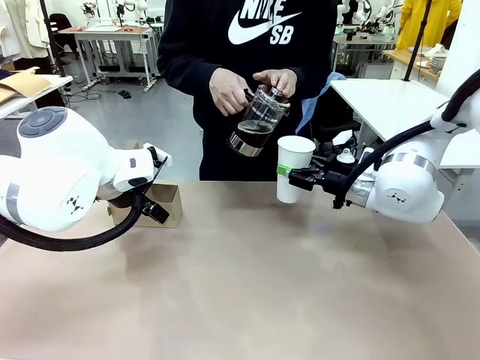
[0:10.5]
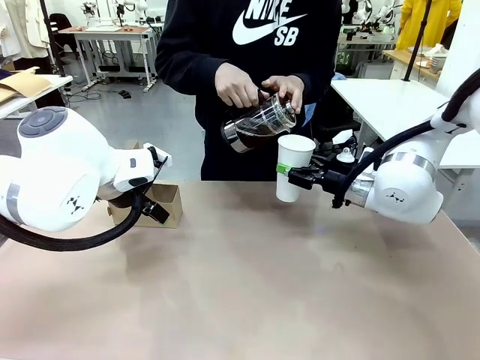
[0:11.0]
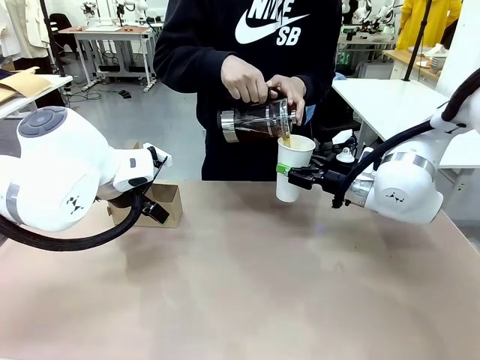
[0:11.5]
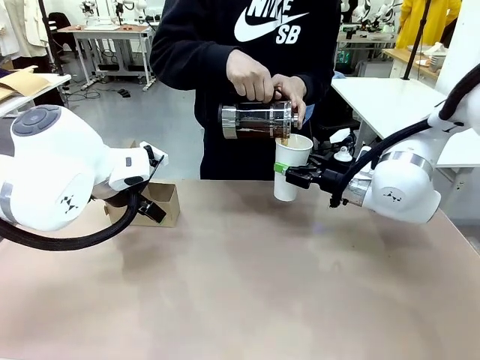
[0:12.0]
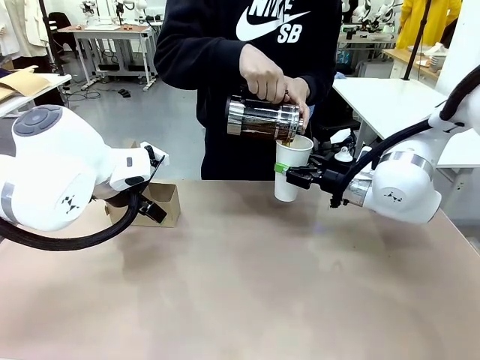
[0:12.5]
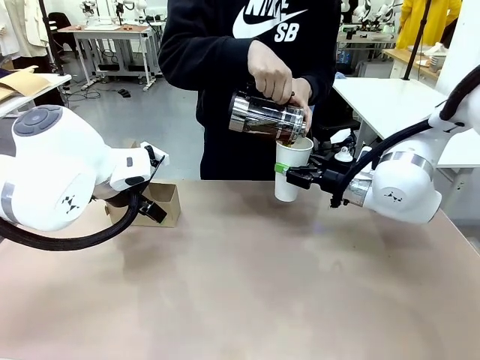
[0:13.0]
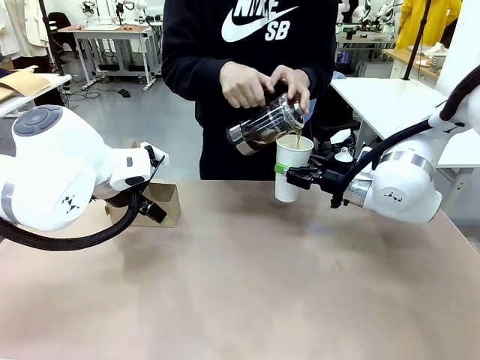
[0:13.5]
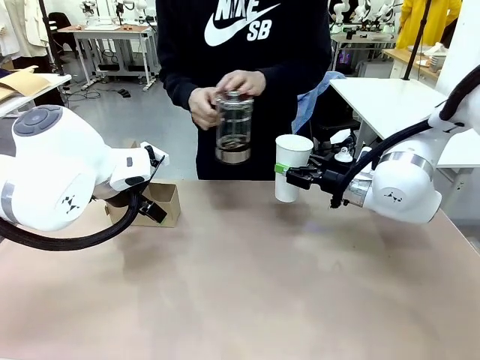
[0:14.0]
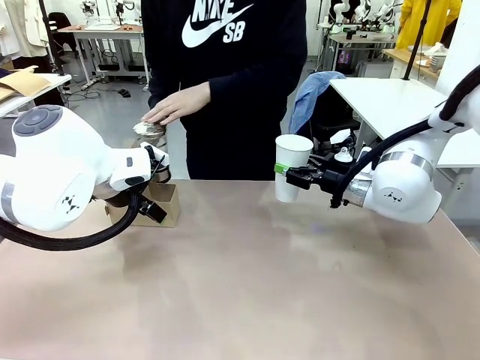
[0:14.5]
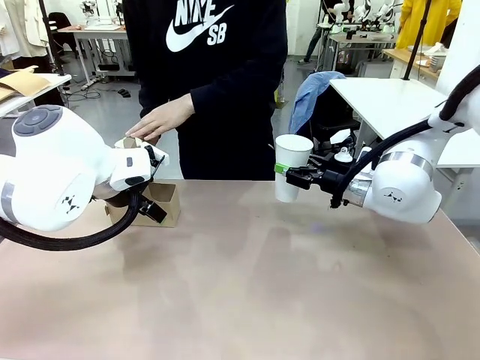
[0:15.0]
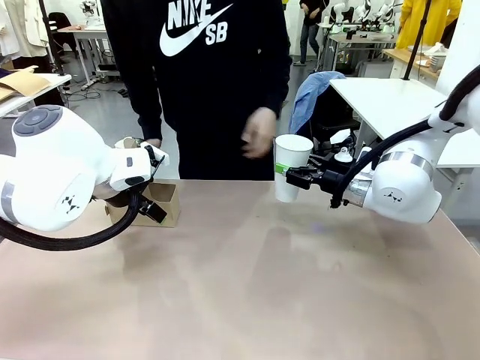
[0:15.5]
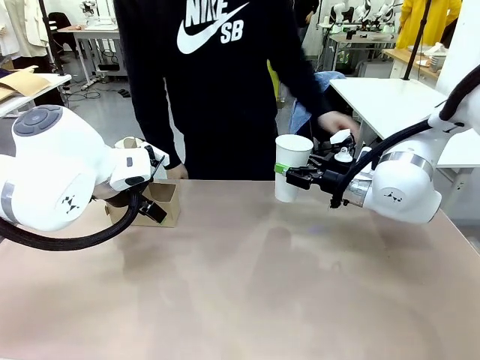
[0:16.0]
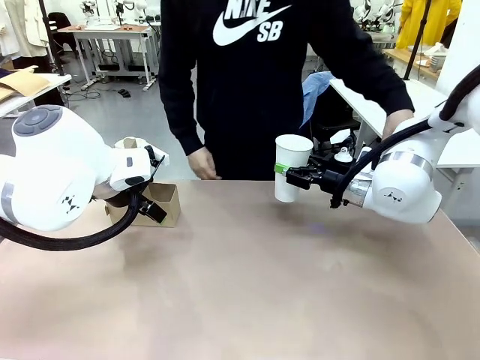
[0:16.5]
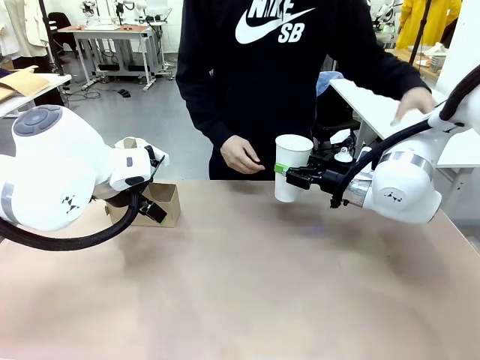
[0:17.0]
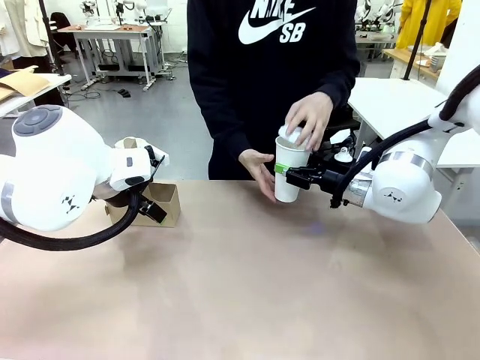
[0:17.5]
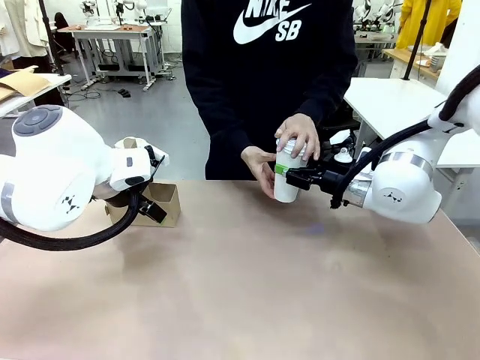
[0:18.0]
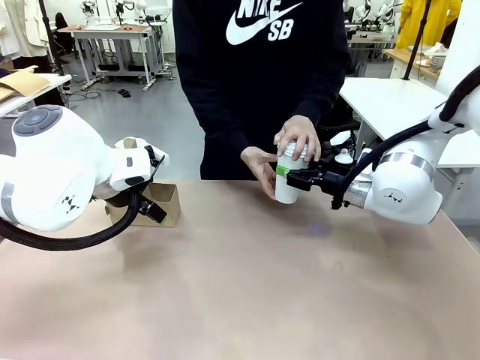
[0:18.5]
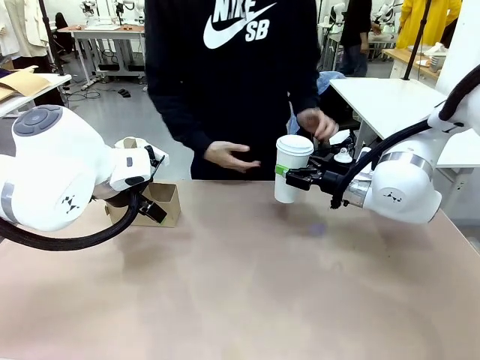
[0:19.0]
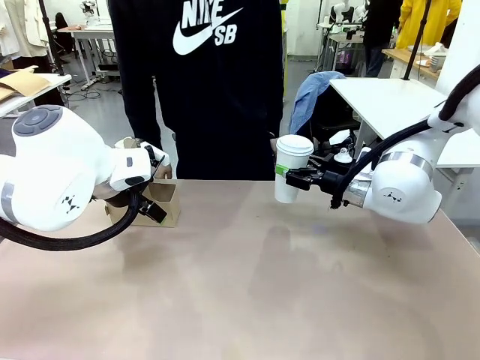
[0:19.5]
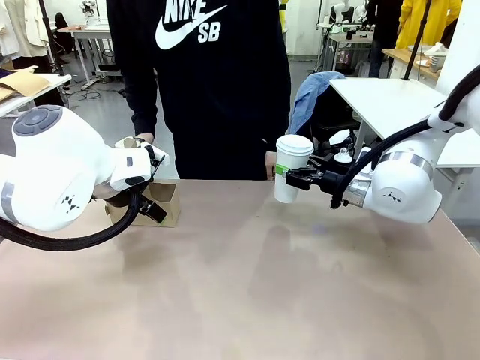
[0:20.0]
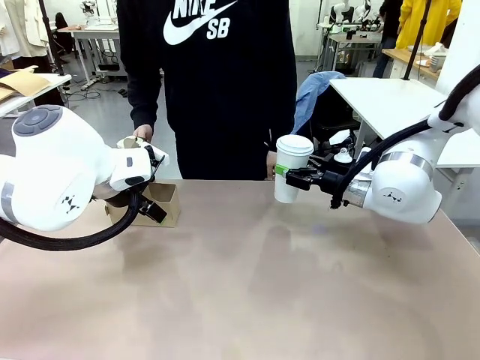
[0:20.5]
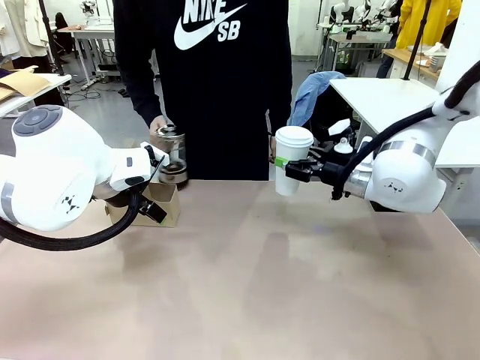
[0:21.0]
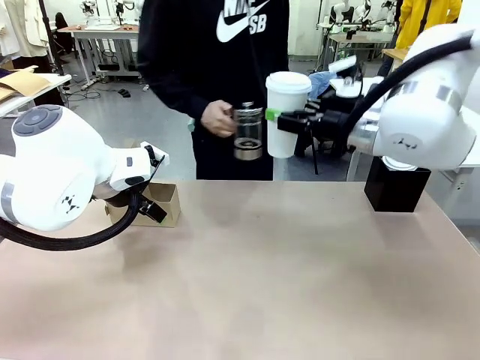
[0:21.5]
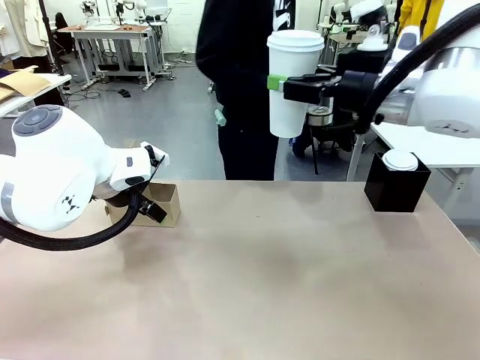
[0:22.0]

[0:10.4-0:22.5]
Task: Pour a drink into a cup and package it in a carrier.
Robot: When a person places the Paper Cup Lid on the 600 ml Paper Cup , lift the 600 ml Paper Cup.
Person: Pour the drink from the Filter Brewing into the 600 ml Paper Cup. Place a Paper Cup Lid on the 600 ml Paper Cup.

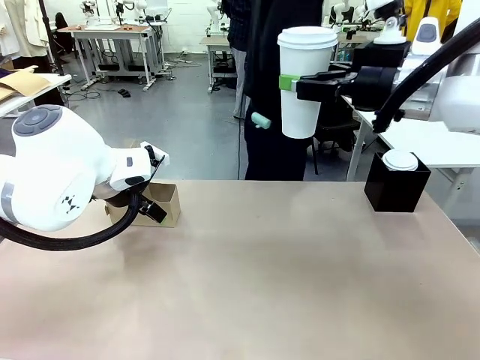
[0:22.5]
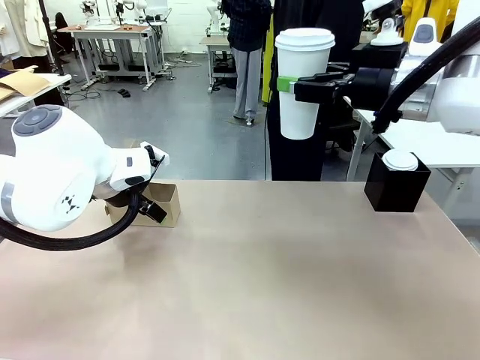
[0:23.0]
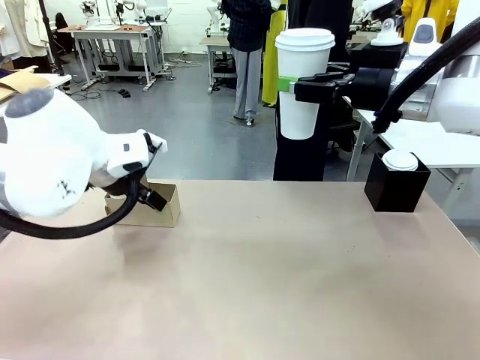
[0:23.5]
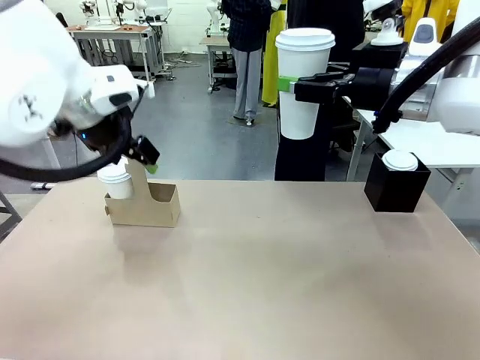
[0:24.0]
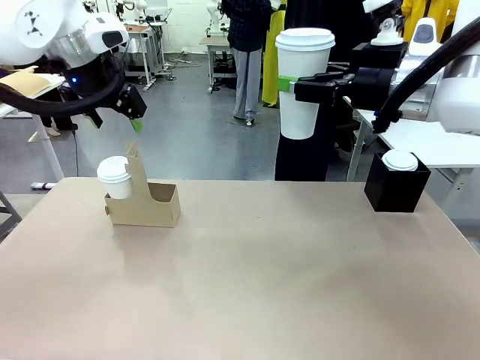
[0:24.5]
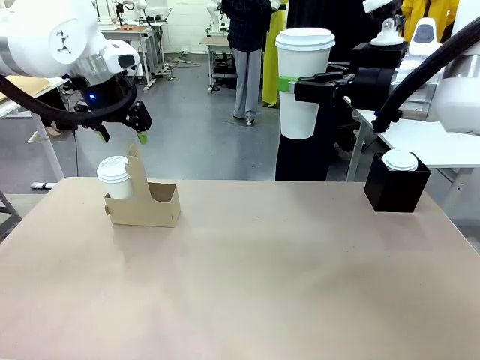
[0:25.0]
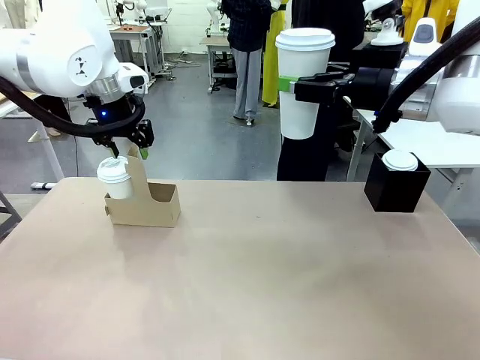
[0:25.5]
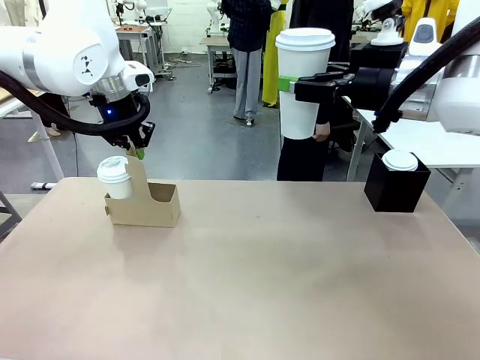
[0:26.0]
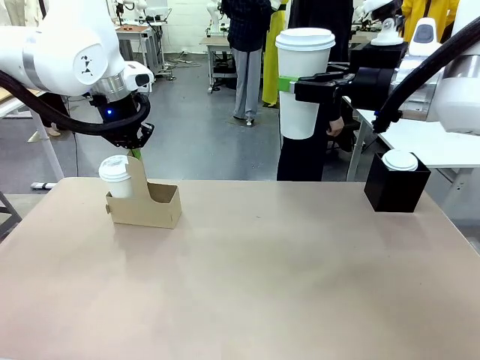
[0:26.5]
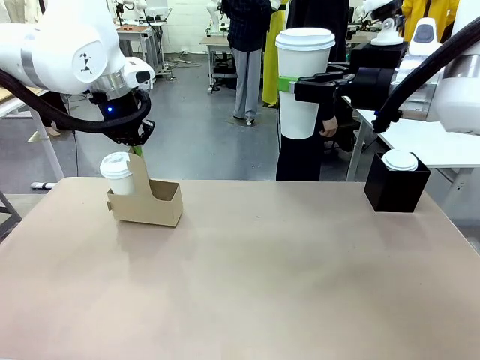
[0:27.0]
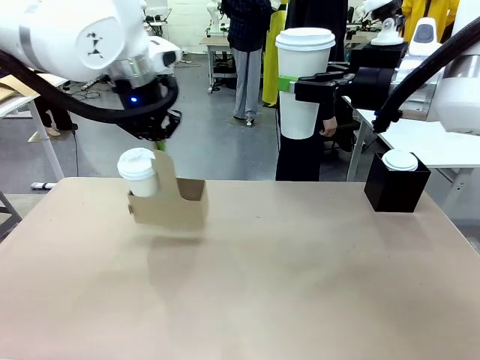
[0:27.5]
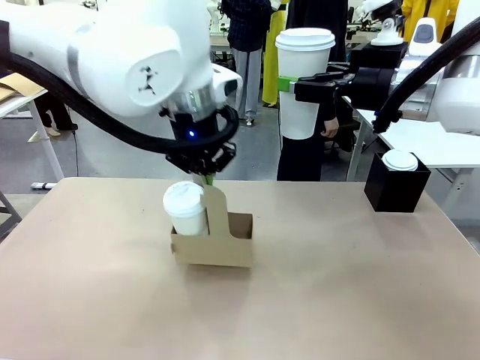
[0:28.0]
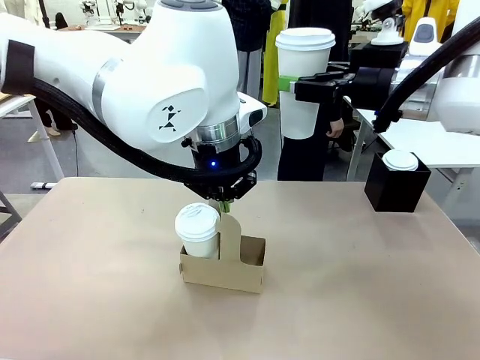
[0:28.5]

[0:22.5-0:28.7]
Robot: Position the Cup Carrier in the center of the table.

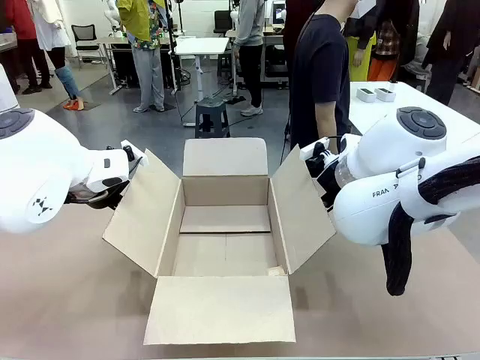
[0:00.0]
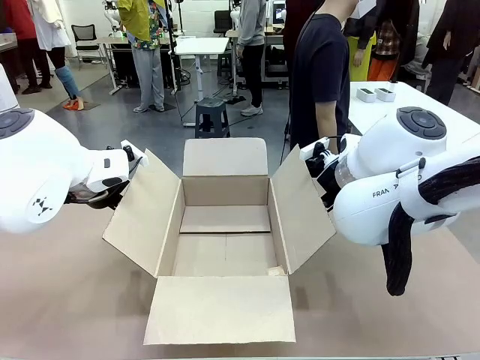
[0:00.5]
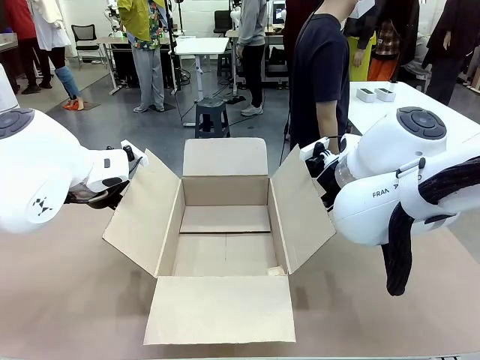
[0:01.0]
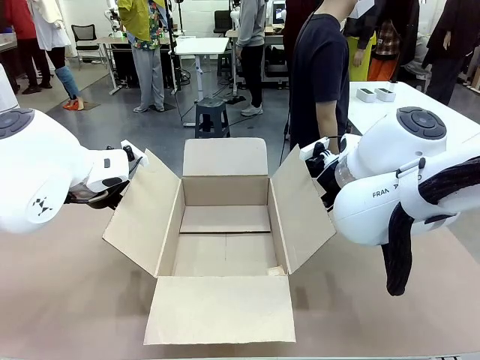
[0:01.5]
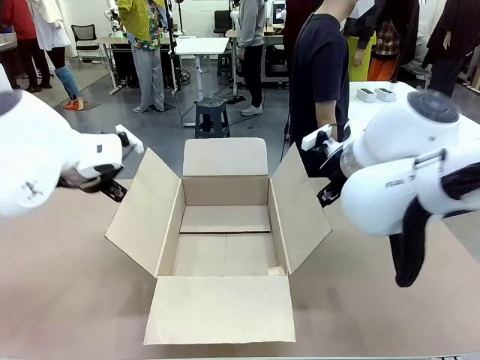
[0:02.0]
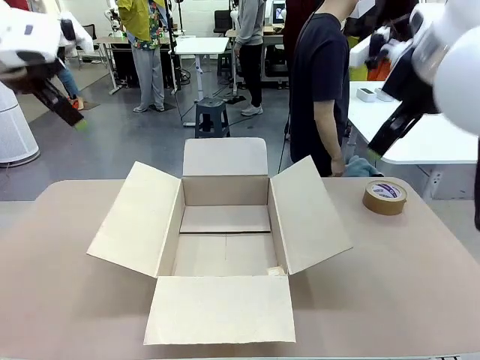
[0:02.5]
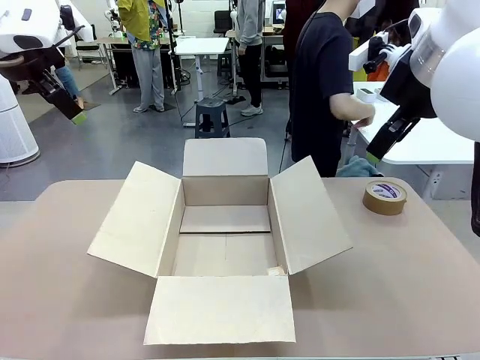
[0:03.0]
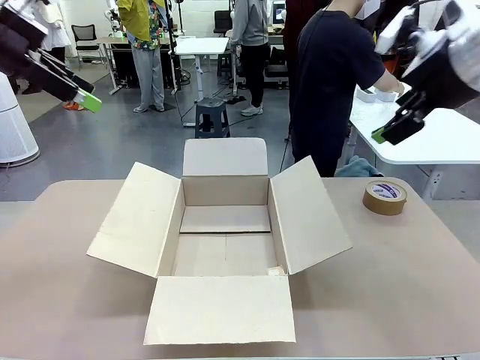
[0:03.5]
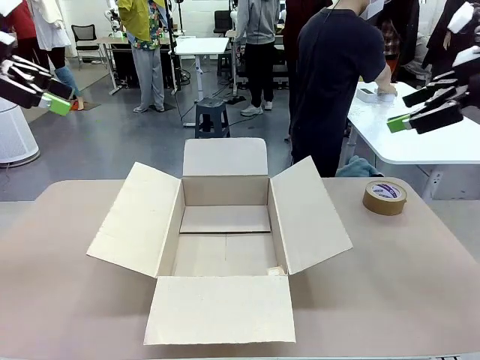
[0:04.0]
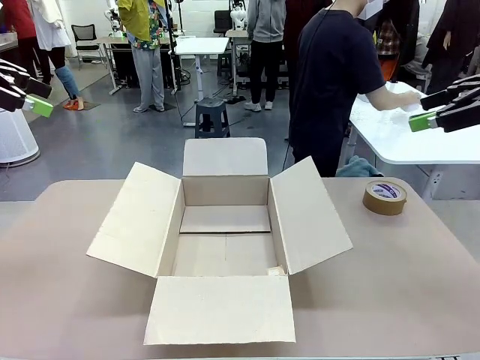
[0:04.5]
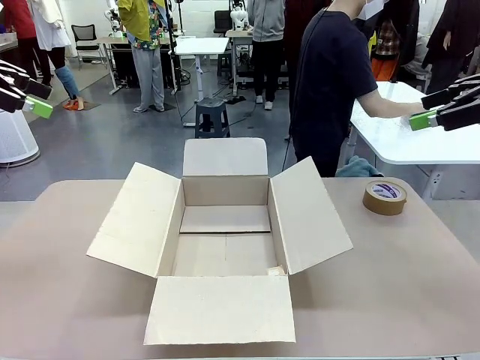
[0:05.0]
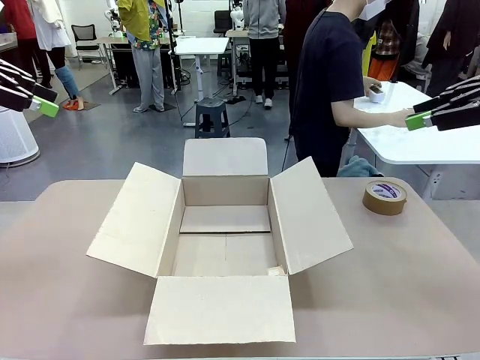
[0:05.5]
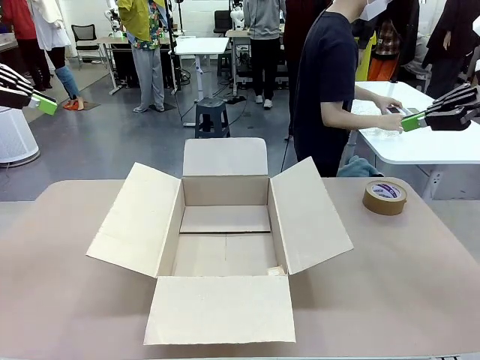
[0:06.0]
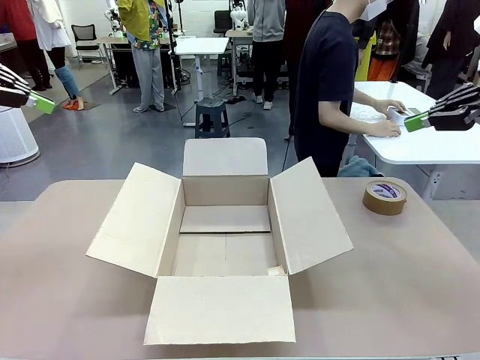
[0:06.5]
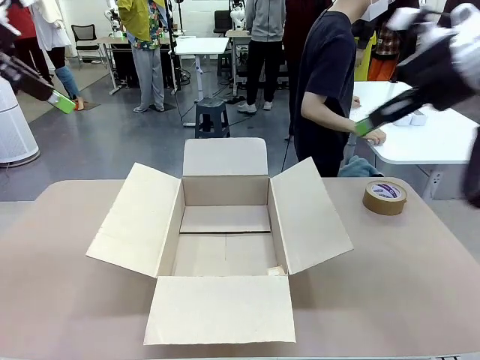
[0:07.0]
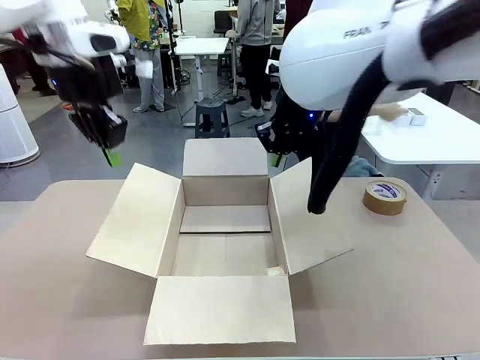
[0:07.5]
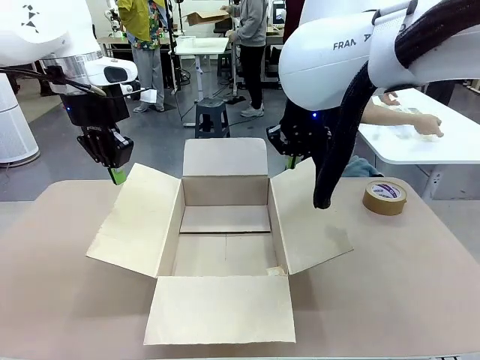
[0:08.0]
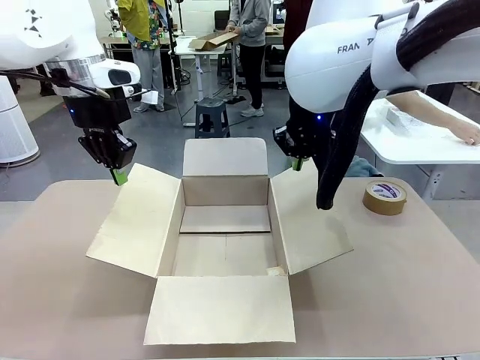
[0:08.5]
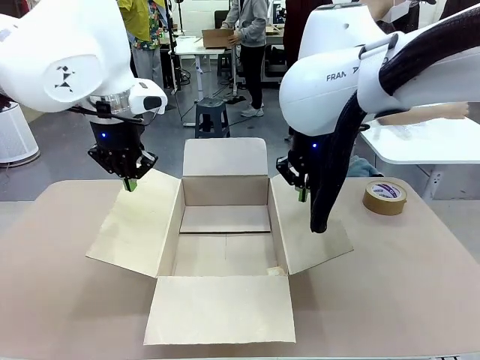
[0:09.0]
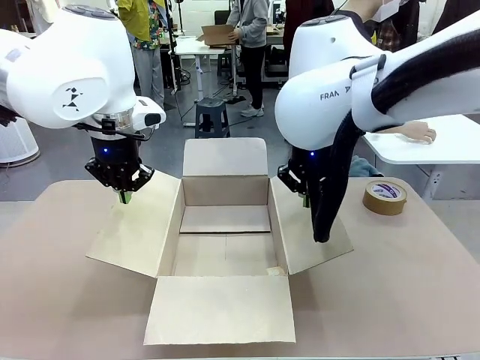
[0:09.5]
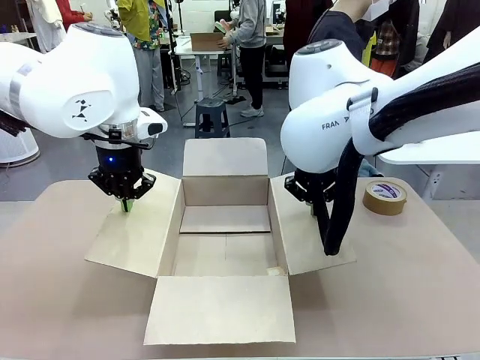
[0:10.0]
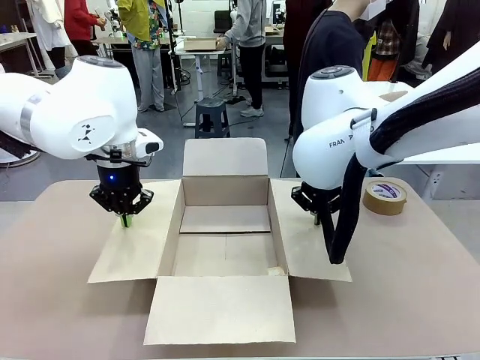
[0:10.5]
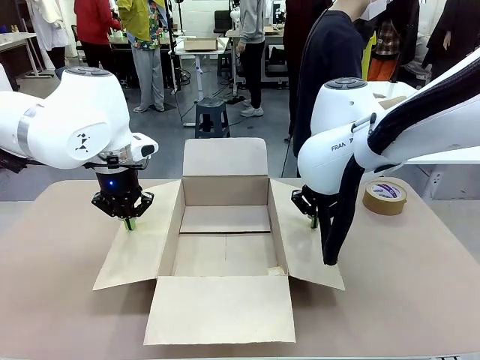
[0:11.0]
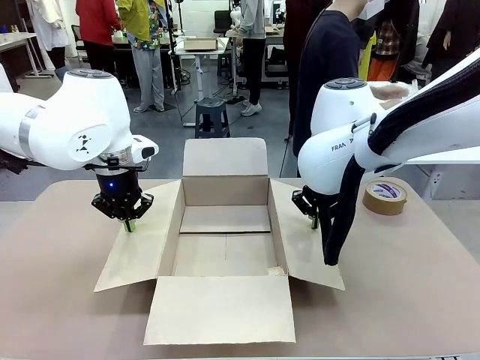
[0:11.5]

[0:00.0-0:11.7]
Task: Wrap the clocks to prevent damage.
Robot: Open the side flaps of the Package Box.
Person: Wrap the two Digital clocks with Bubble Wrap.
